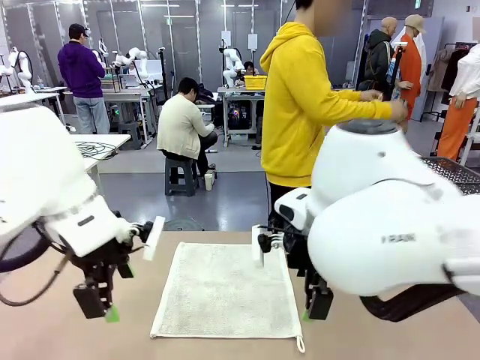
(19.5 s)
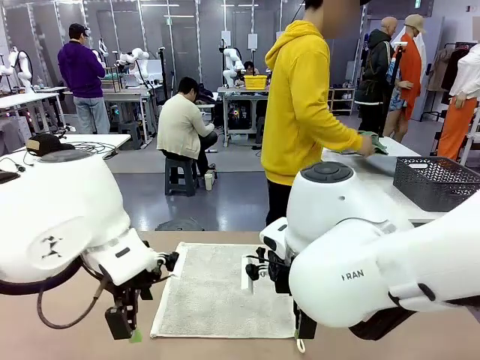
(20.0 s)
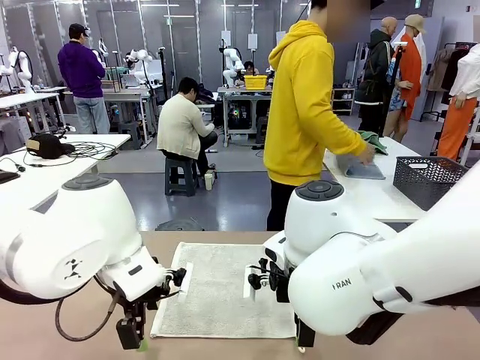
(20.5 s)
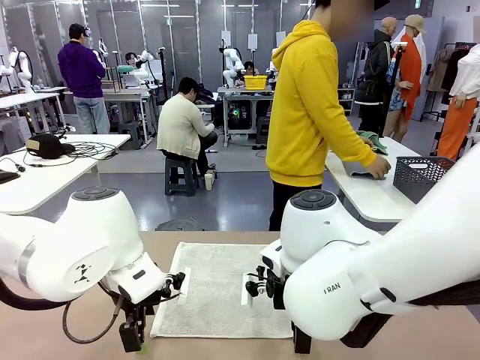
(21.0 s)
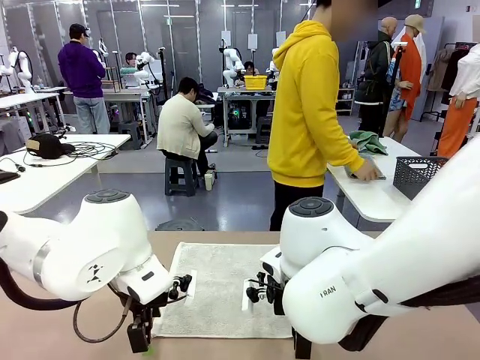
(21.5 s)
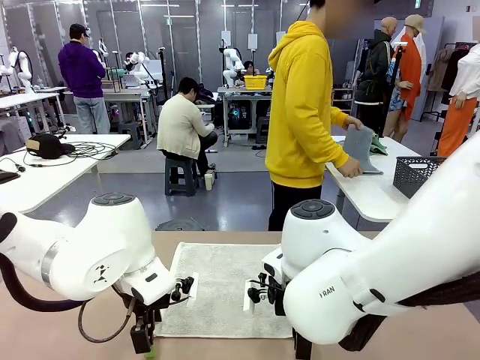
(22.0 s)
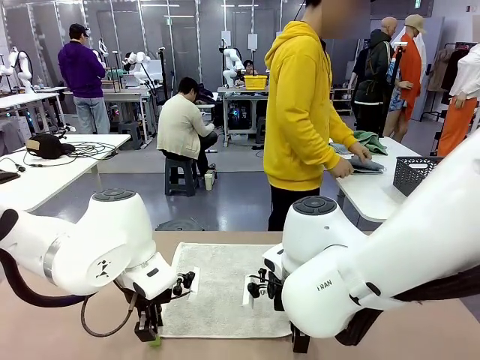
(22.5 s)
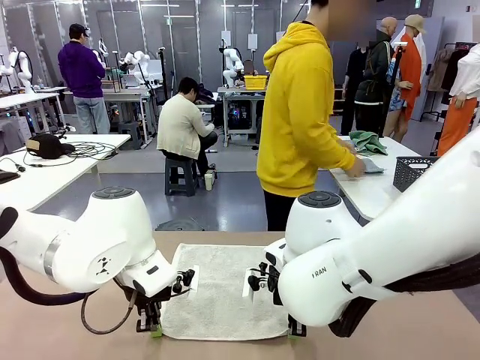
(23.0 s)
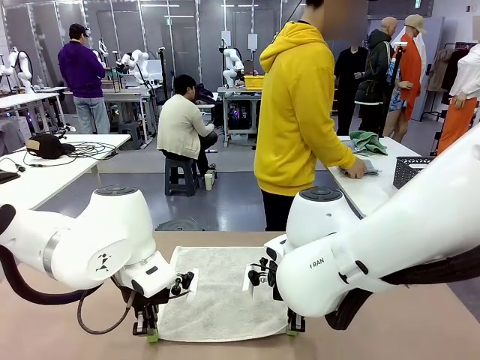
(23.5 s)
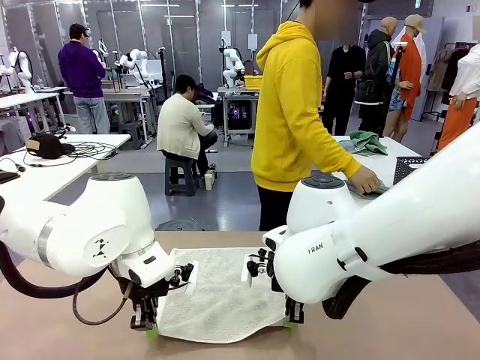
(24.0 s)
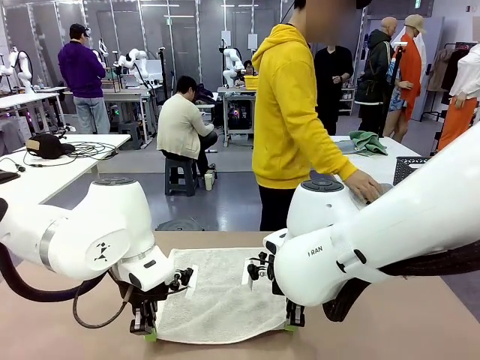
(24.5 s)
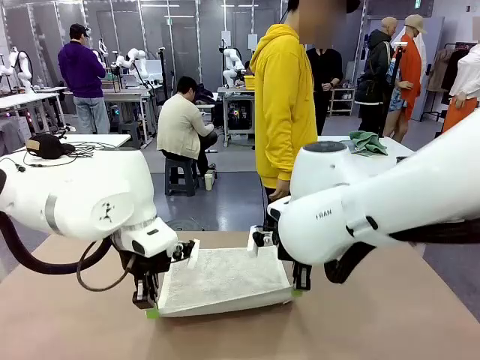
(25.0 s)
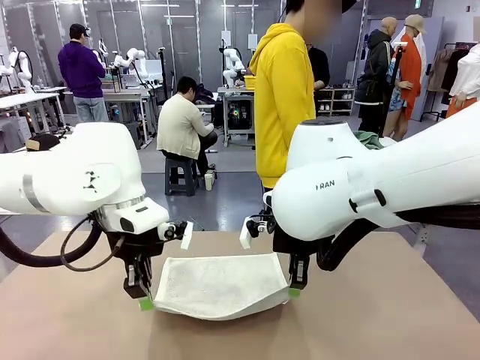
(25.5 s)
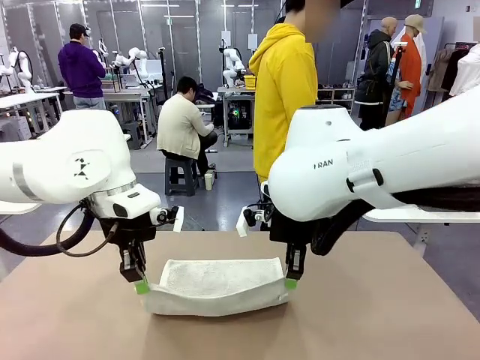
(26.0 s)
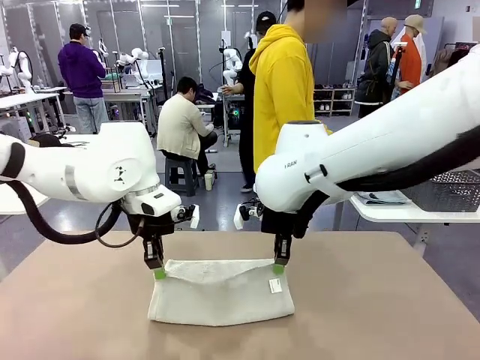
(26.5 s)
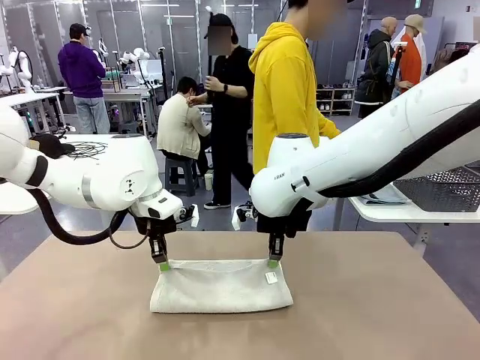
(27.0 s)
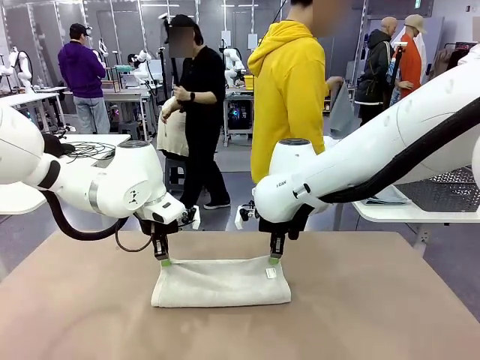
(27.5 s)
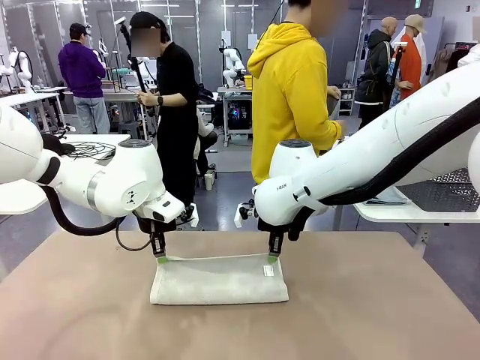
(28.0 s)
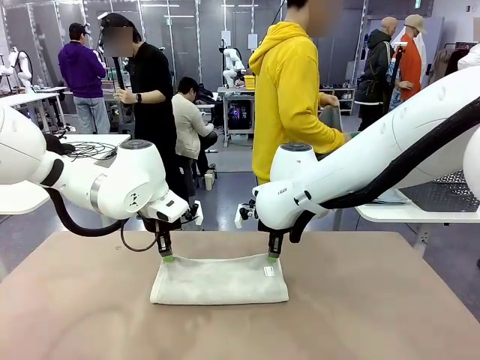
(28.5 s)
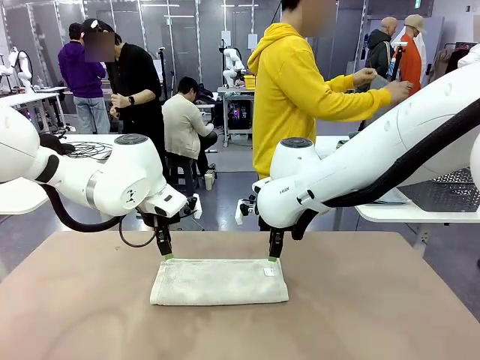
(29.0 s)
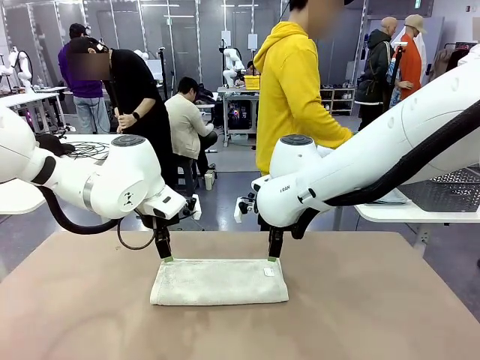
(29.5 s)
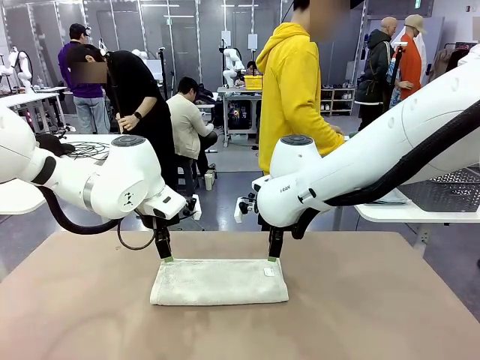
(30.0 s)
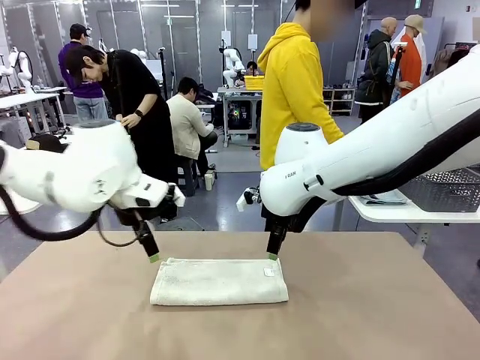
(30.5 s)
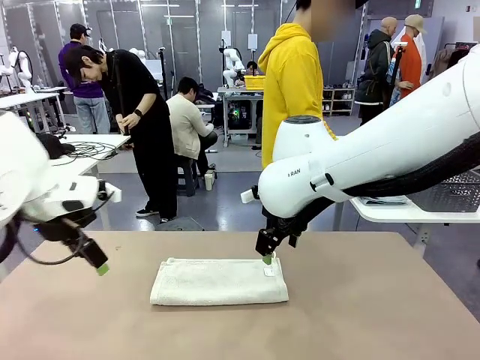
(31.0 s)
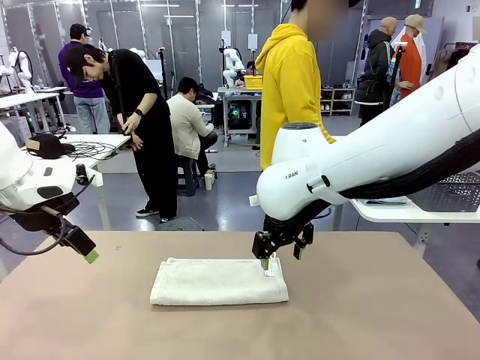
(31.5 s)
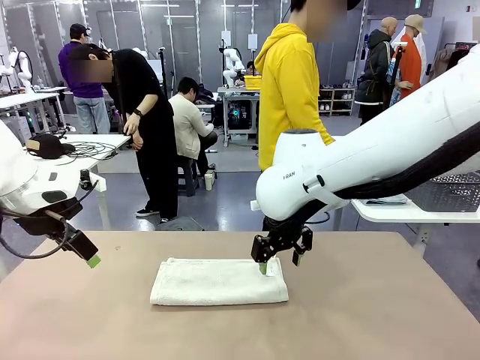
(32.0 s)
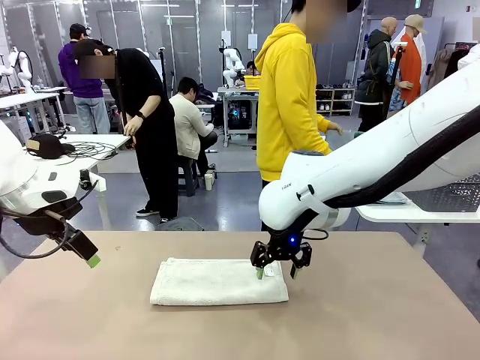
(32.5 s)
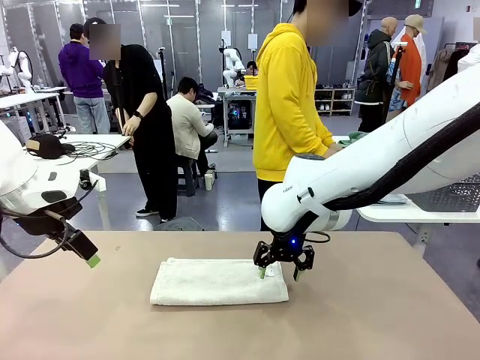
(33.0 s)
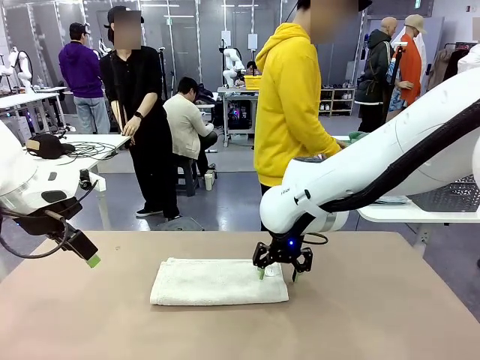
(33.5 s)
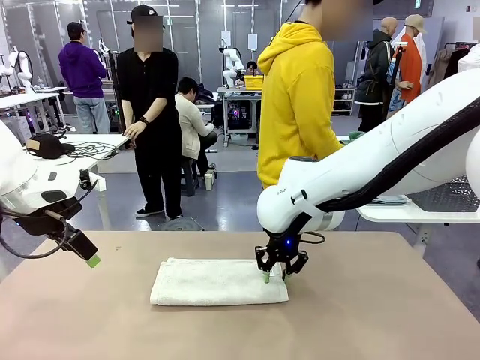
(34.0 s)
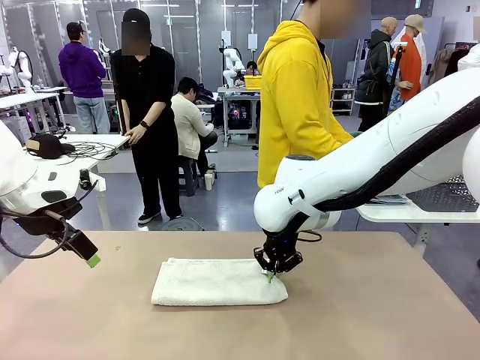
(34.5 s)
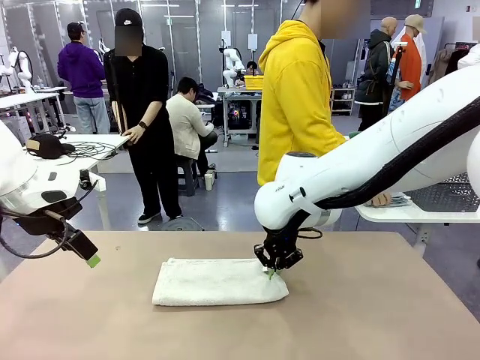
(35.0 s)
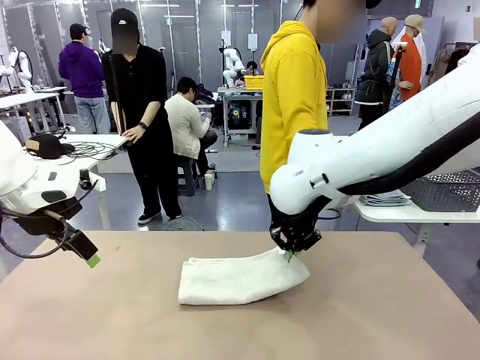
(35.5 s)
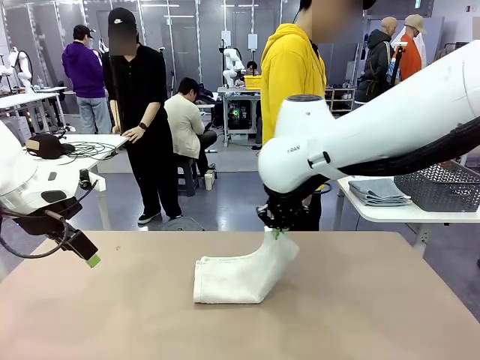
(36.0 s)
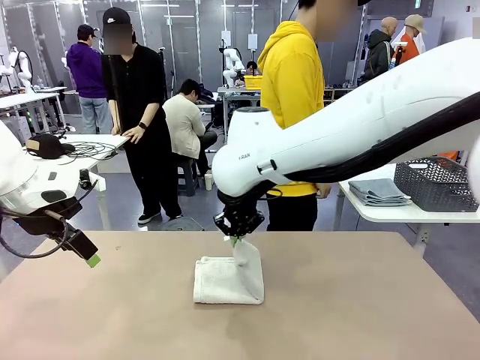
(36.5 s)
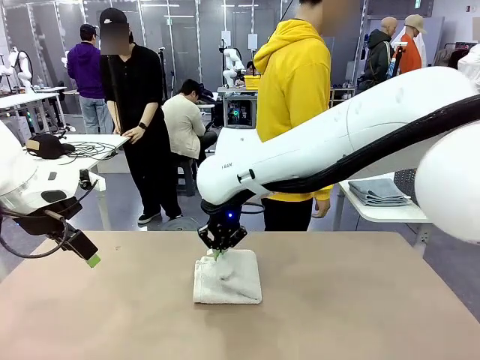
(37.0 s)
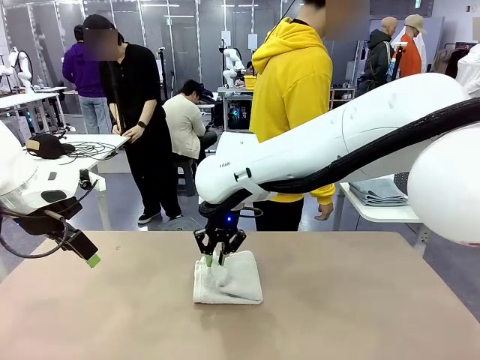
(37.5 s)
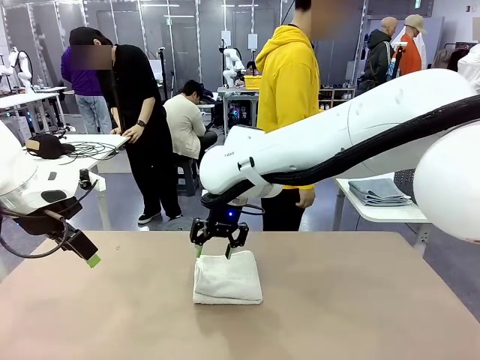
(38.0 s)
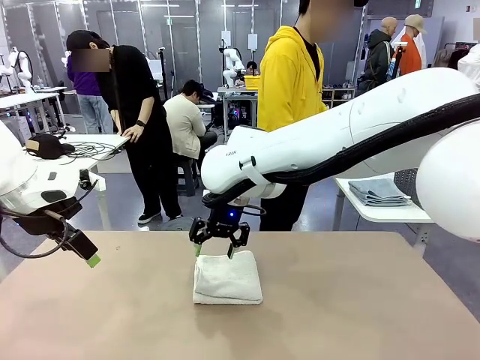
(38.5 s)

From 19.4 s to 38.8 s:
Task: Fold the towels and place them in the basket.
Robot: When a person lays out a Towel with hook on the table, fold it in half twice.
Person: Pick up one towel from the left side of the human table, fold it in half twice, and place it on the right side of the table. Pick up one towel from the left side of the human table, fold it in half twice, and stack it on the right side of the table.

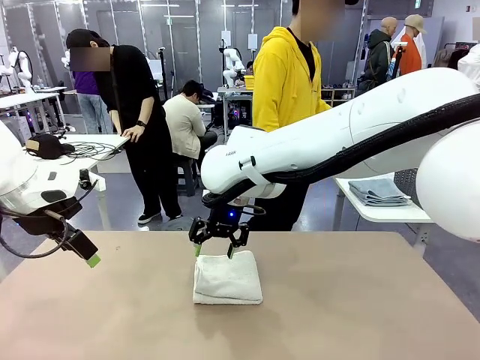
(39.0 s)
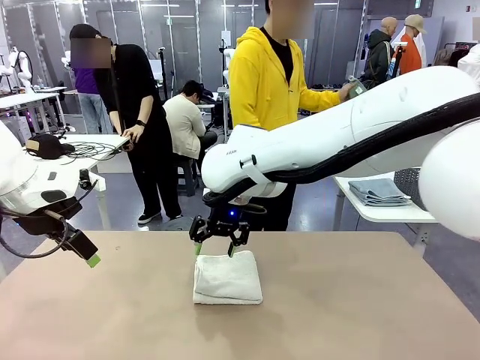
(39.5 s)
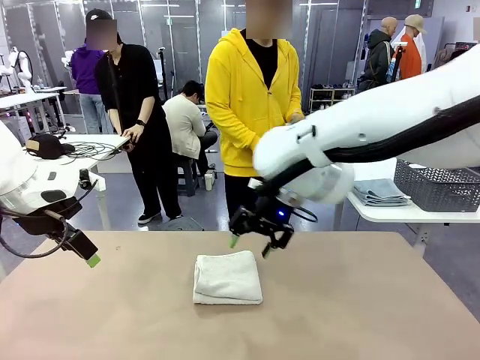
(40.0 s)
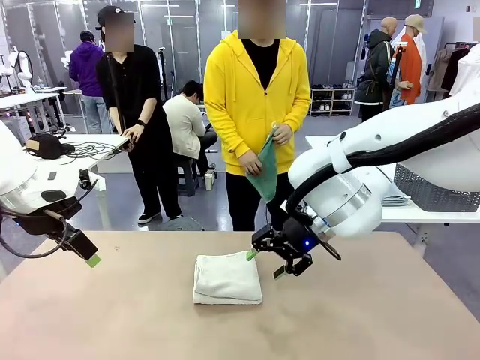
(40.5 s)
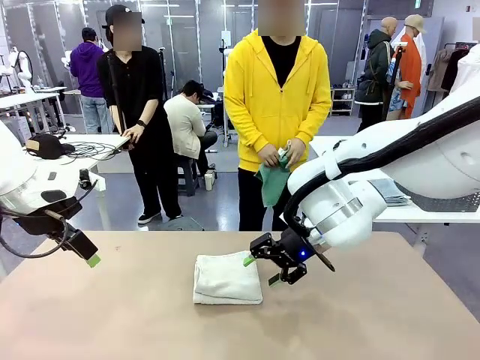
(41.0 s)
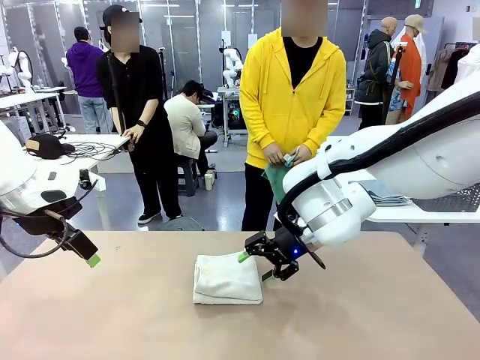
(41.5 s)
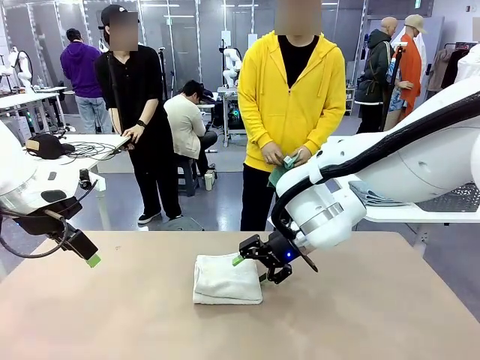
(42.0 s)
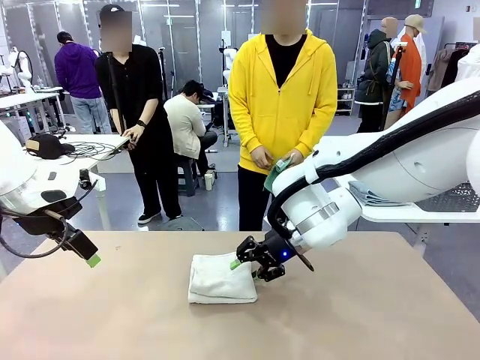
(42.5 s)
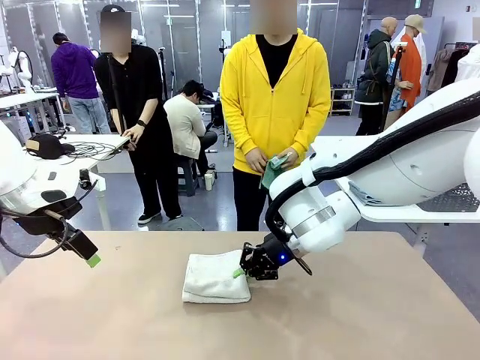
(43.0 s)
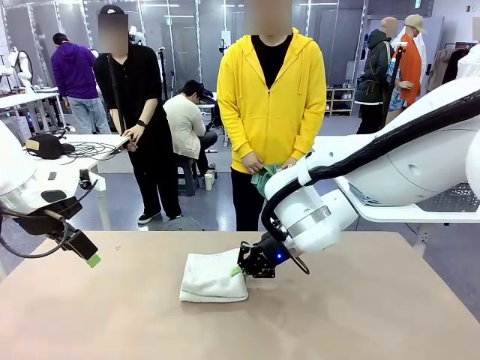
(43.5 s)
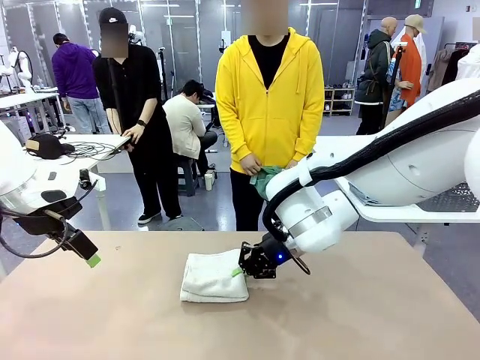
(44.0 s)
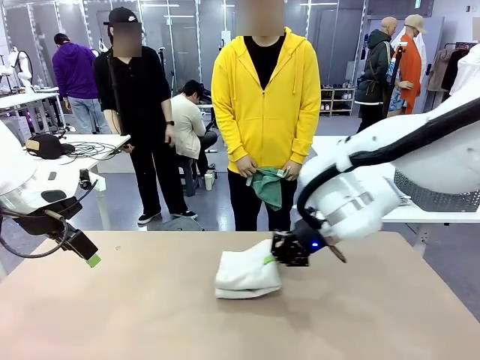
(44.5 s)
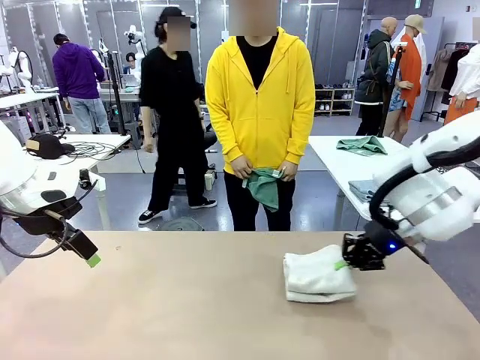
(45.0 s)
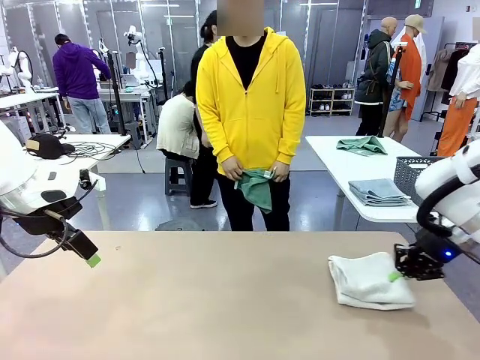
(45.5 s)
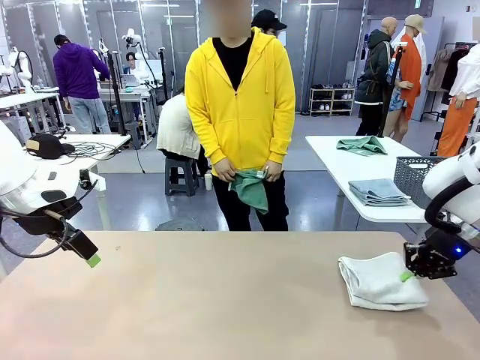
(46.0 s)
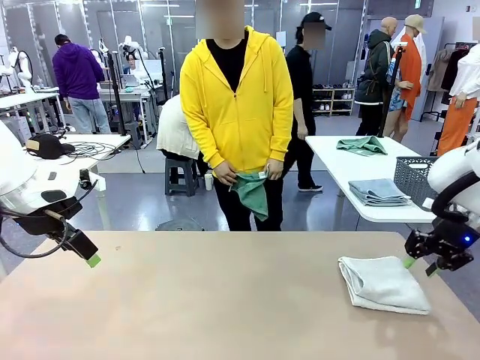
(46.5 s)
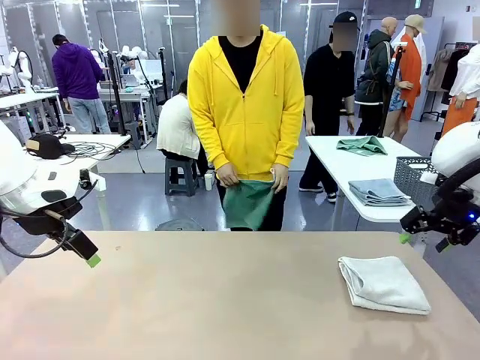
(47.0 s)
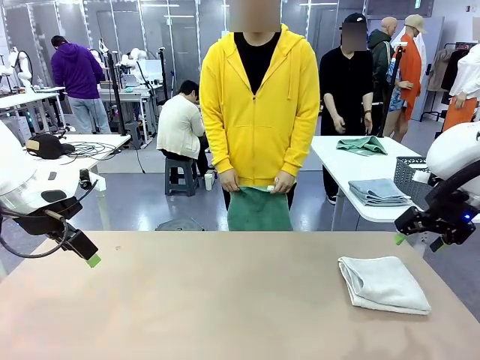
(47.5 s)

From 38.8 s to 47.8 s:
Robot: Place the folded Towel with hook on the right side of the table.
Person: Pick up one towel from the left side of the human table and spread it out at the center of the robot table.
